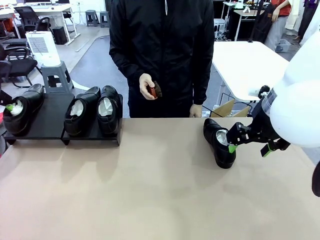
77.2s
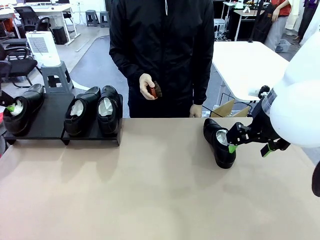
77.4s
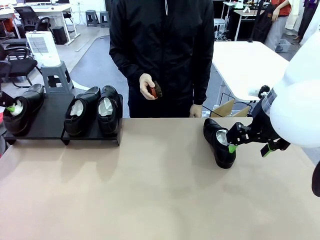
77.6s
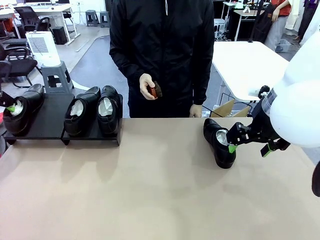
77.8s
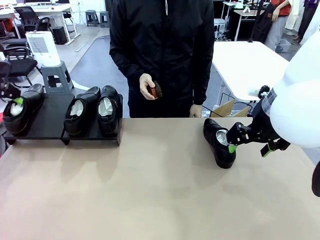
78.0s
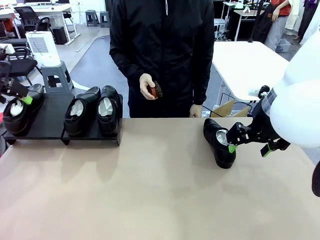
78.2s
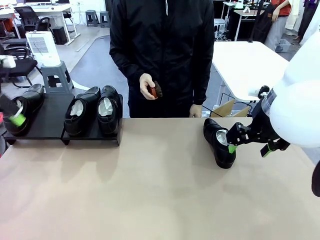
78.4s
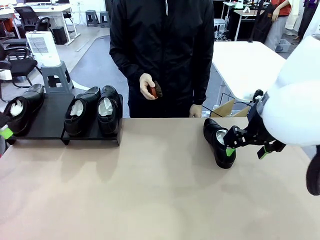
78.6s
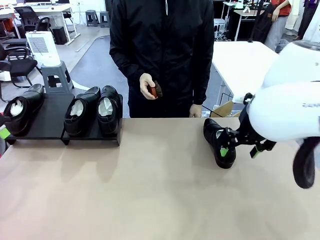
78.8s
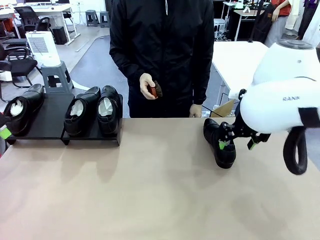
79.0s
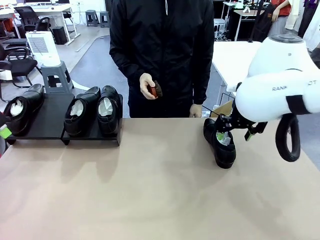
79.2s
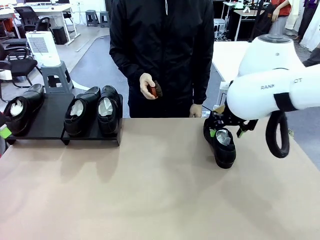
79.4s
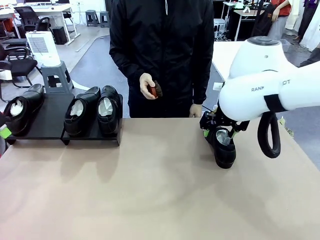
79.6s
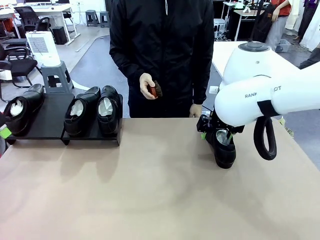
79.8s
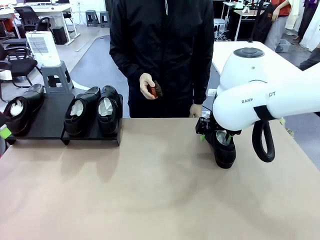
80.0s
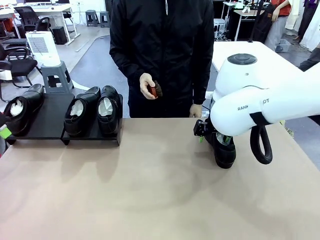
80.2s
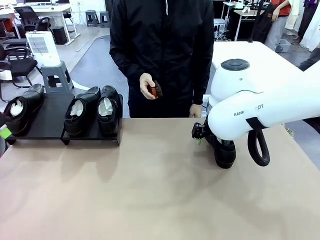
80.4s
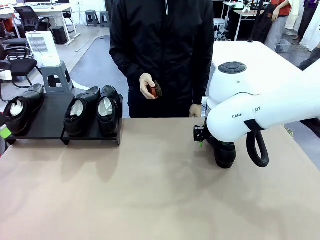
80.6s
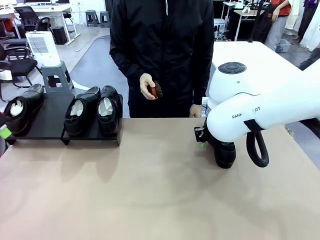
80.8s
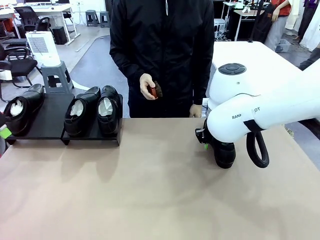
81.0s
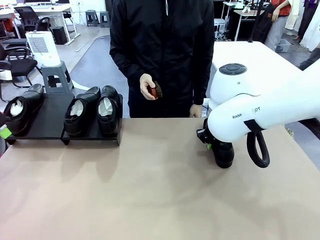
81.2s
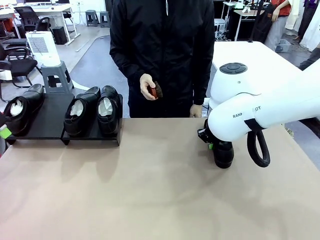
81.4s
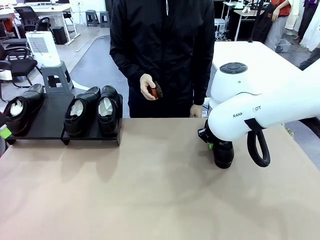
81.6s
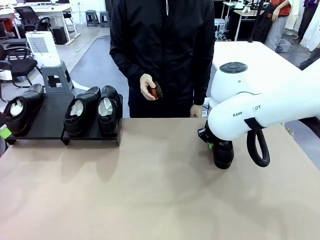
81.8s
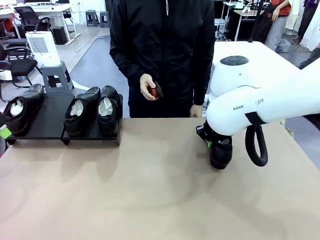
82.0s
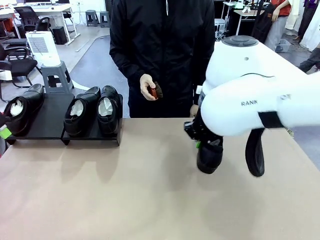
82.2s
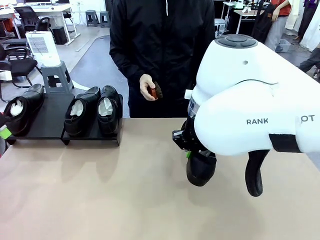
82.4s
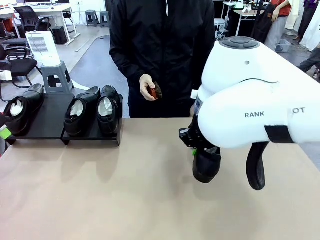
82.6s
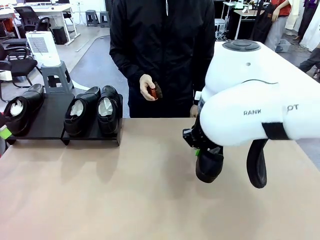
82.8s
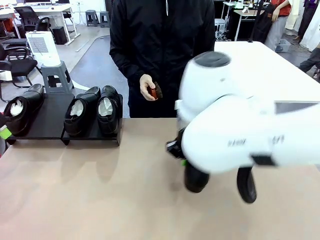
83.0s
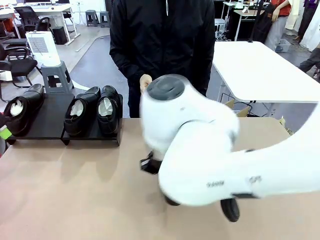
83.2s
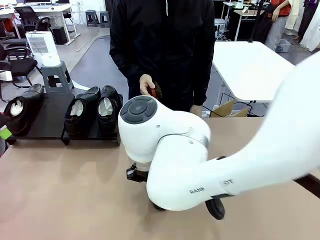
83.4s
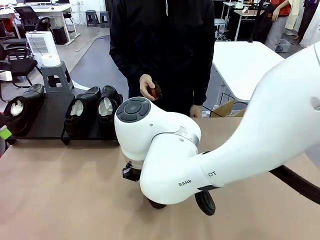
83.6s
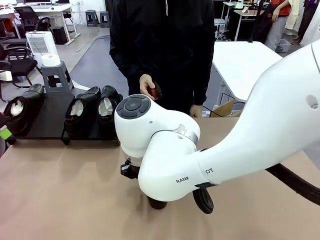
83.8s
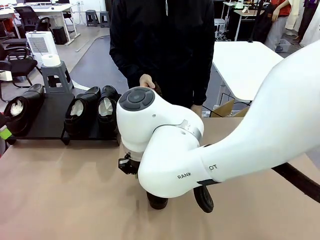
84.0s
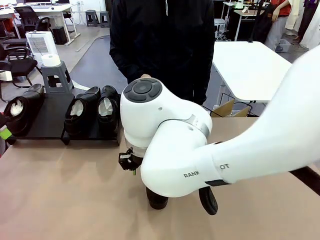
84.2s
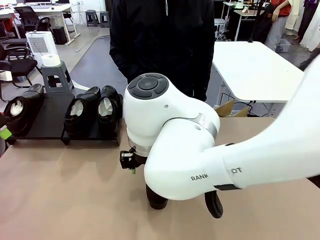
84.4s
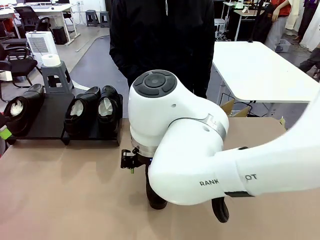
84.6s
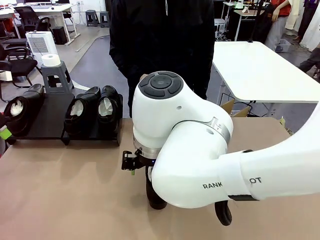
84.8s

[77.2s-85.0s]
Task: Organize the shoes by placing them on the stand.
Robot: Pick up one Shoe and place it in the middle of the table.

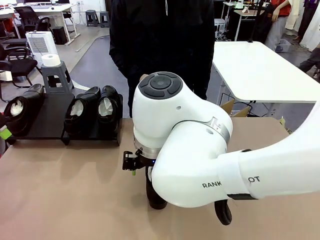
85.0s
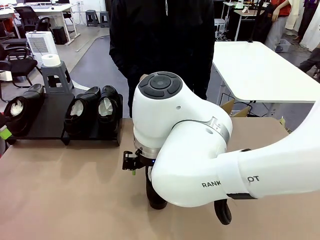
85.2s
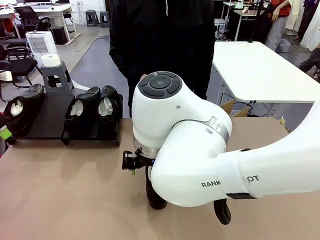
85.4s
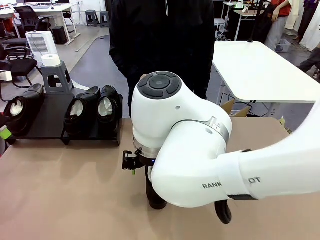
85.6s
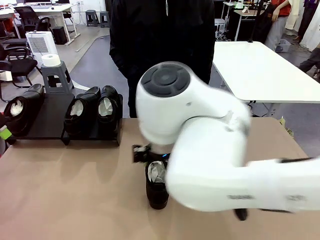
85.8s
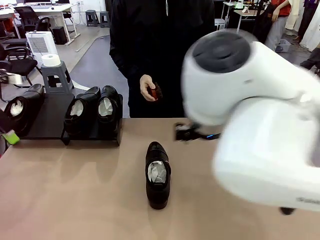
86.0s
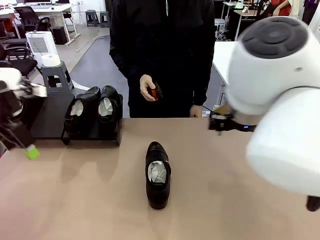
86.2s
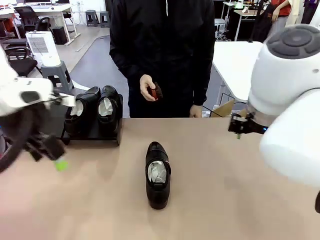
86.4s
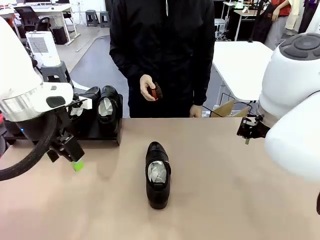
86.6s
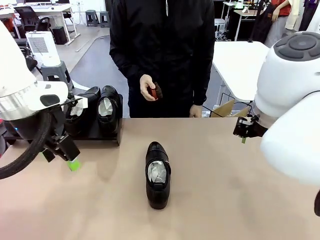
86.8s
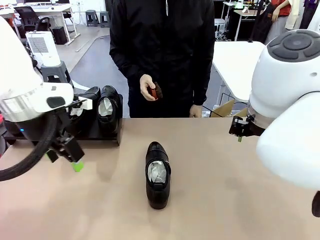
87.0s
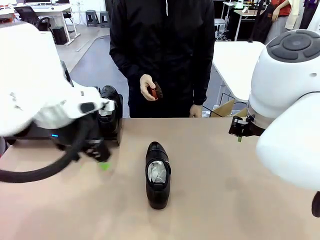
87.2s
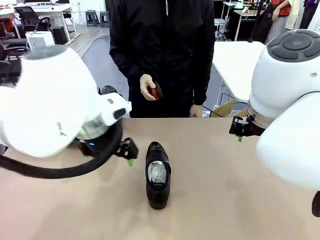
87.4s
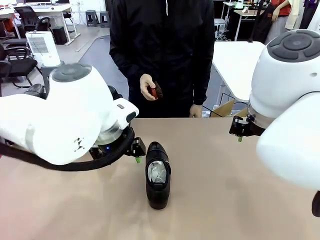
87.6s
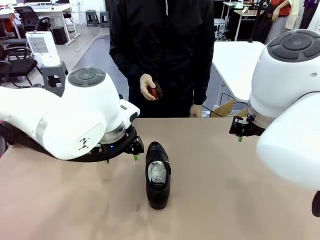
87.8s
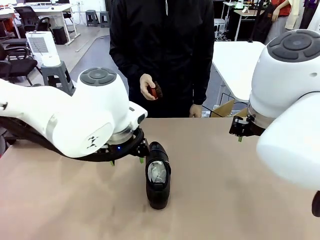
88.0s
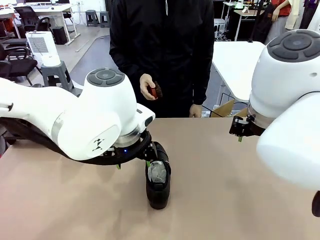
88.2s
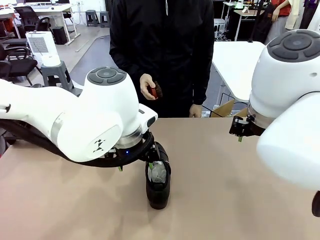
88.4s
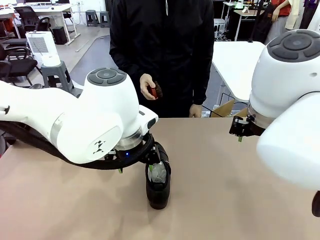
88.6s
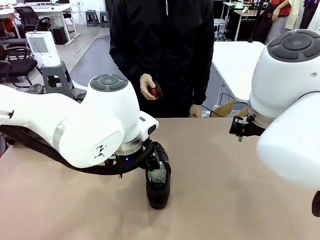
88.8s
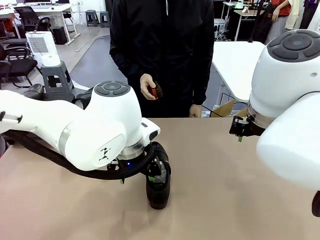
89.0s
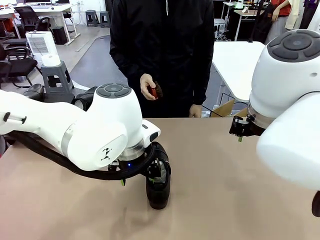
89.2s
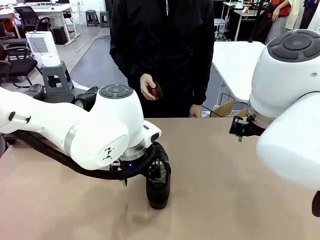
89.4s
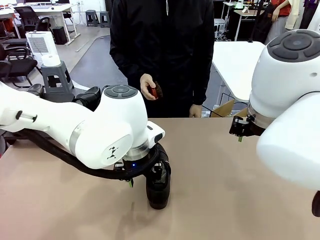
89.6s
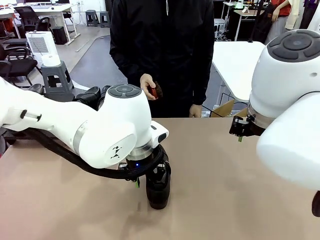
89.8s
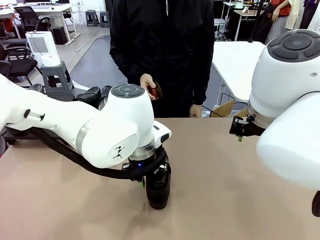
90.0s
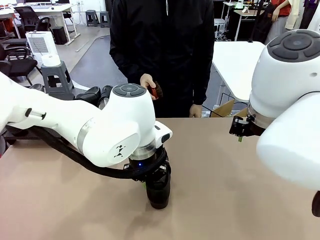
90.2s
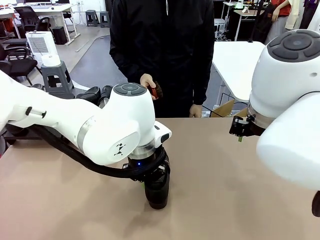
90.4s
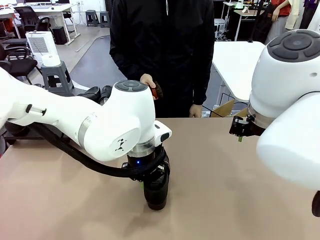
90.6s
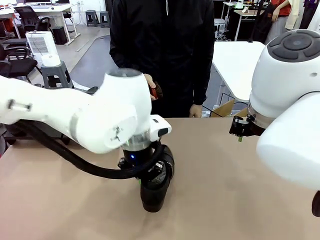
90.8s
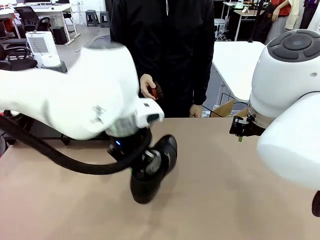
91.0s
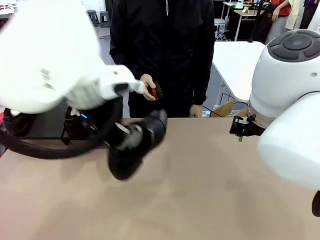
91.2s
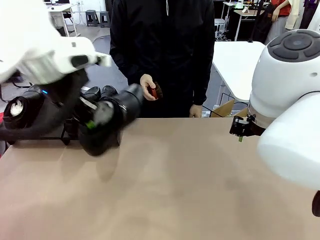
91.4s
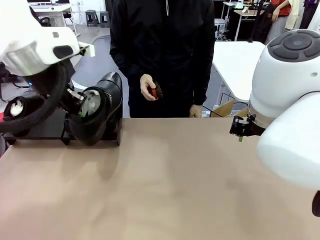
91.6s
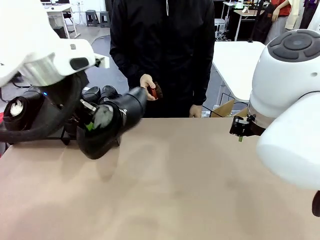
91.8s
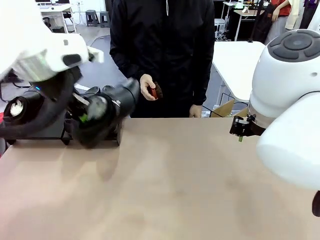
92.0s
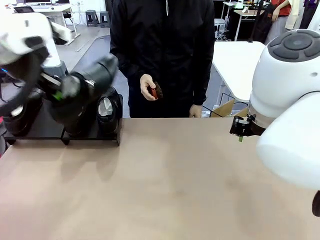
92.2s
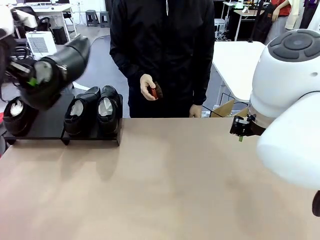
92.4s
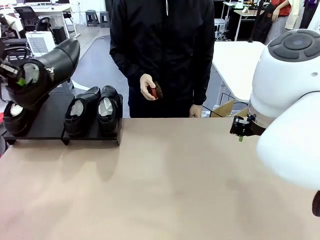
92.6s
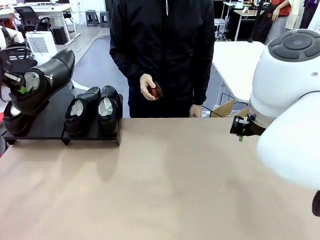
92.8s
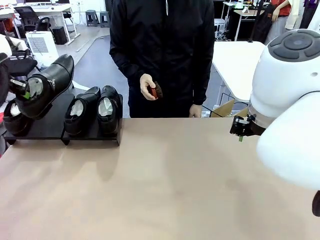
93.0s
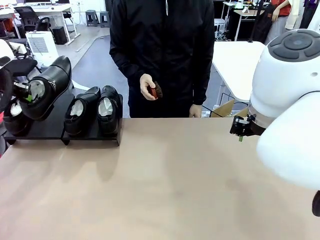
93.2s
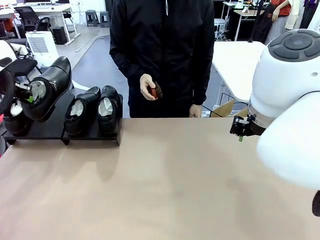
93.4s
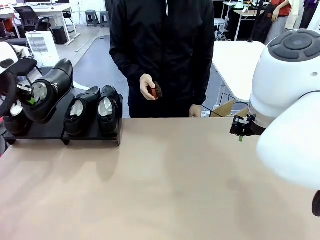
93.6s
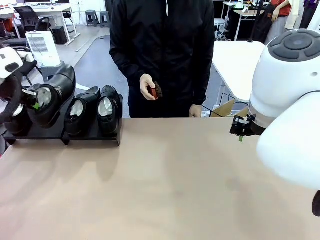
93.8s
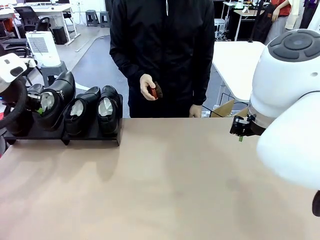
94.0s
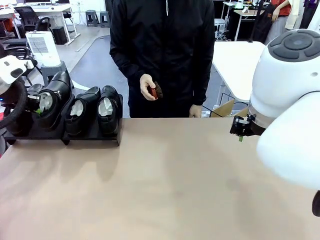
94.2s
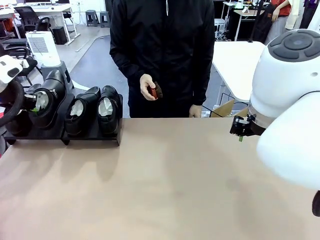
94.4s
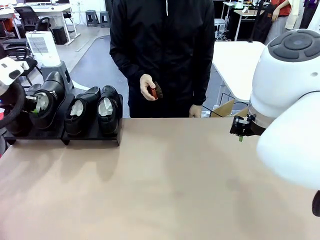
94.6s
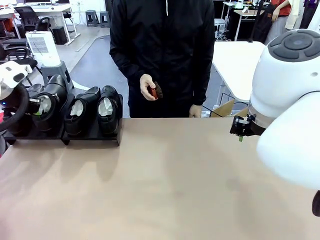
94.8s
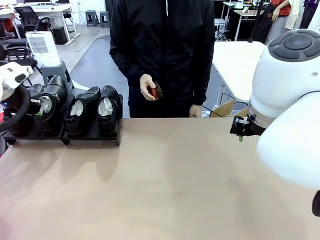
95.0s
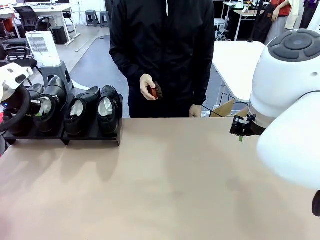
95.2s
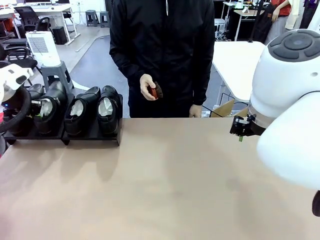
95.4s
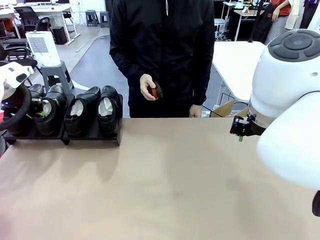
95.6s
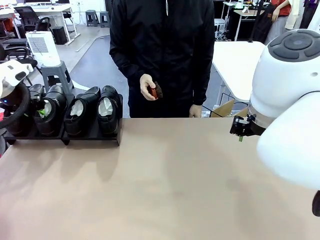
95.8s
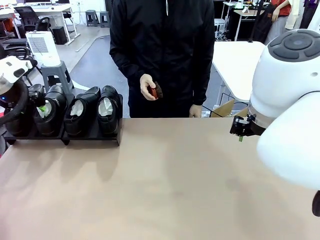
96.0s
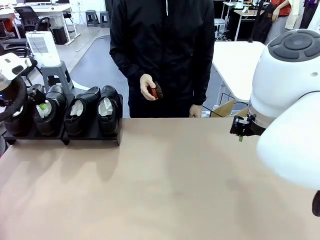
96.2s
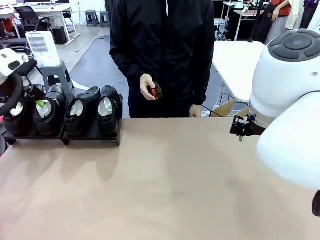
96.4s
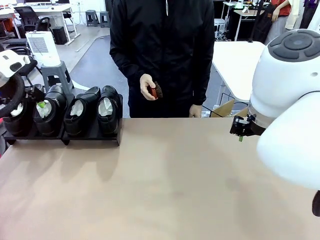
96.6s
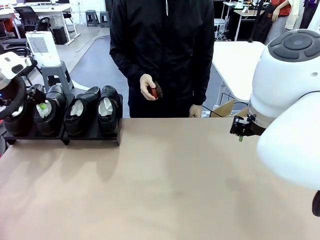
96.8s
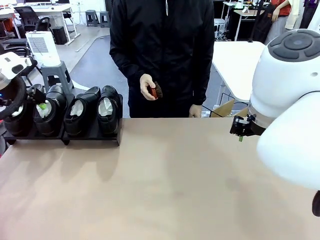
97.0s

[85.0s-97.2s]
Robot: Place the Shoe from the middle of the table onto the Shoes Stand.
